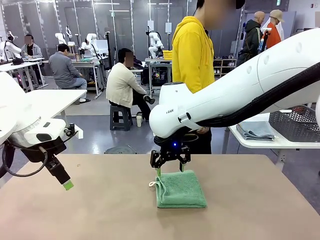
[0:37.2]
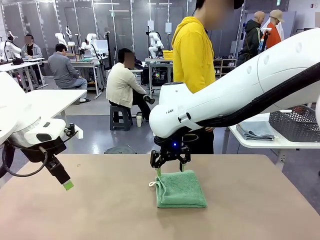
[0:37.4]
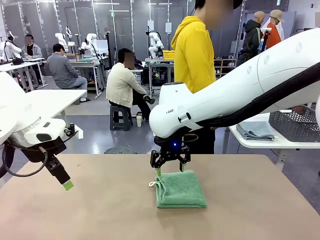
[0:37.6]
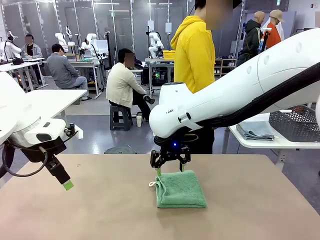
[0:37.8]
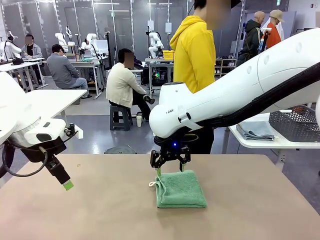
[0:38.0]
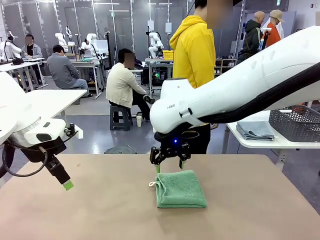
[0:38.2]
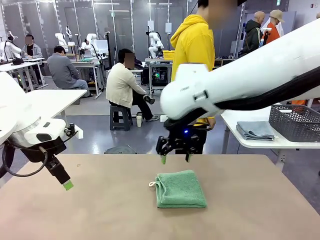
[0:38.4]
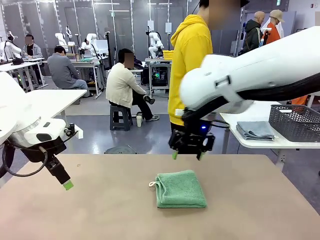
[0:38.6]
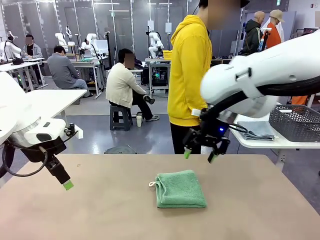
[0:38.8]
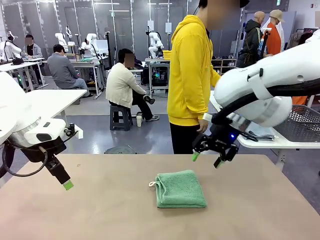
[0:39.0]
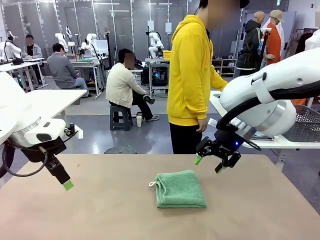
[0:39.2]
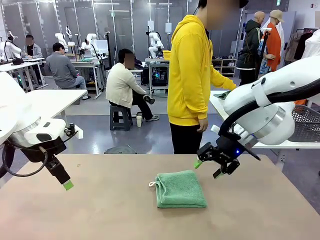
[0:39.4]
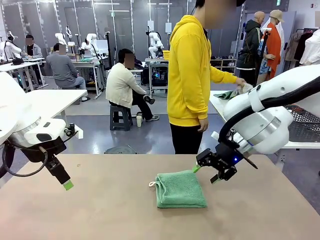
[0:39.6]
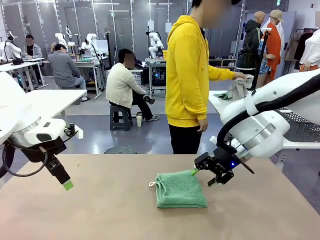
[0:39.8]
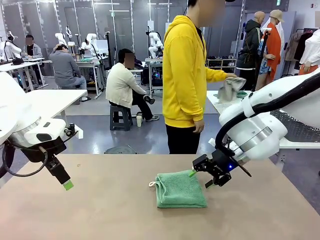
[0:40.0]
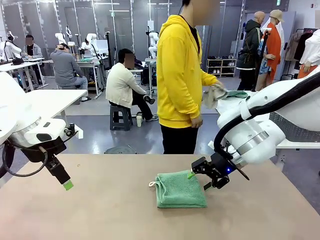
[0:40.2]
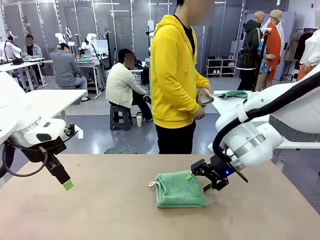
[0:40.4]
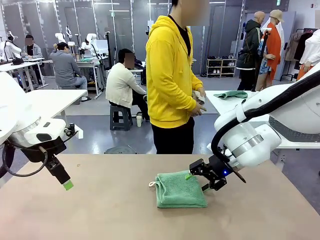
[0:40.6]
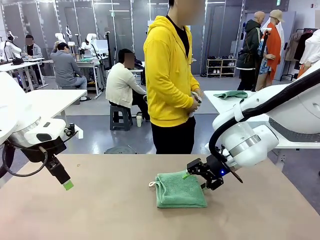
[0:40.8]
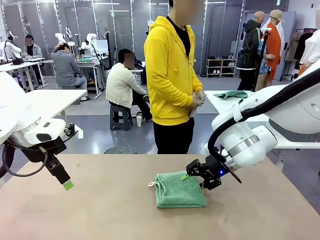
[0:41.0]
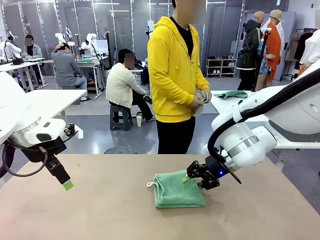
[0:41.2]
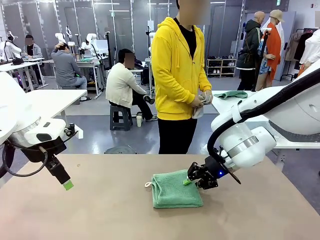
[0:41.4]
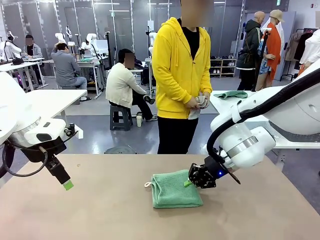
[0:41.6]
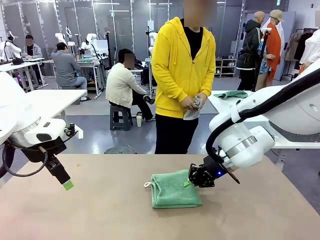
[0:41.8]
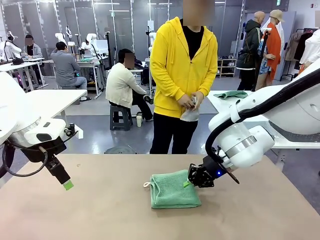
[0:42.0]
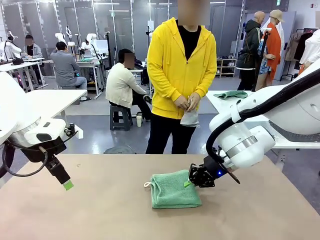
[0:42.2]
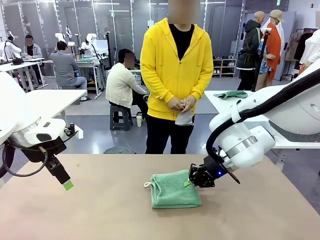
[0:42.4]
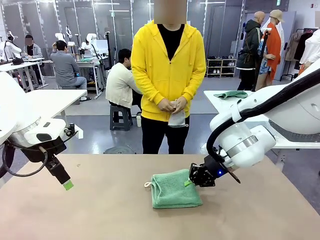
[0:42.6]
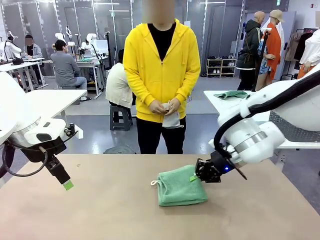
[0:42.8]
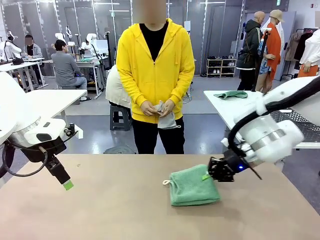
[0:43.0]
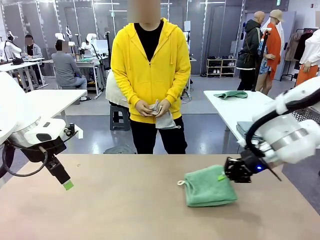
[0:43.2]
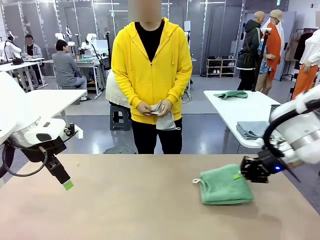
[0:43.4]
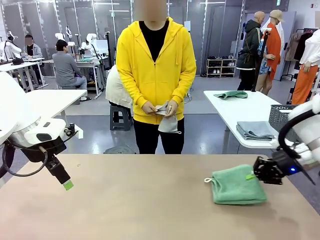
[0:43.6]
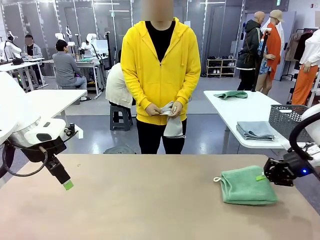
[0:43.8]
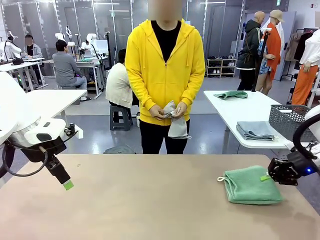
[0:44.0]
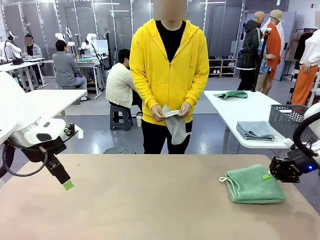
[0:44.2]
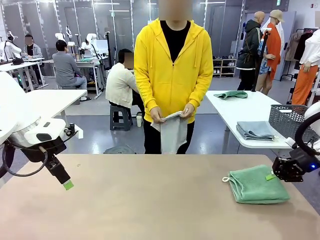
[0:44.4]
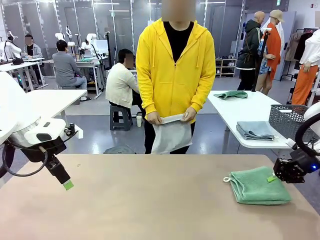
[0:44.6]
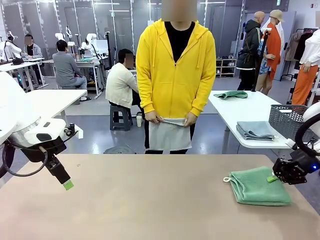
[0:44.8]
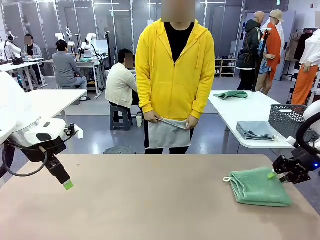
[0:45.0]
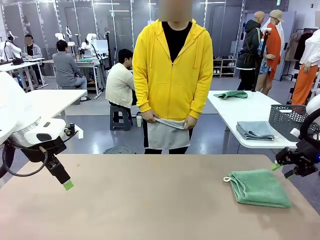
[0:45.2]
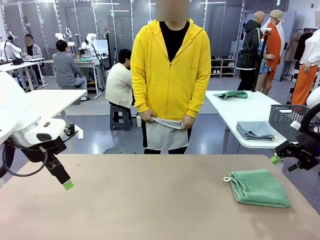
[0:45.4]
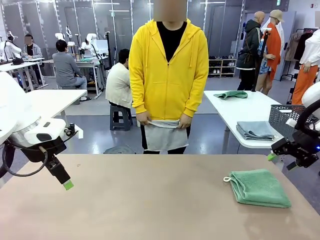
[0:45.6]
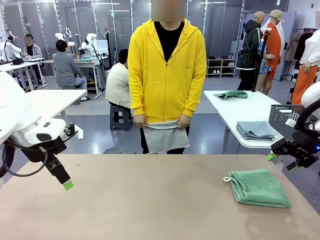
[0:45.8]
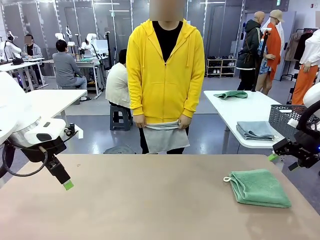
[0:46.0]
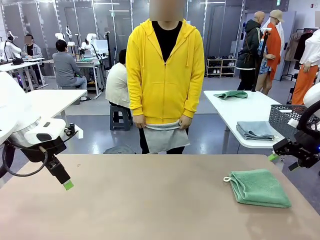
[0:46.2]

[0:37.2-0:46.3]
Task: Fold the towels and place them in the basket.
Robot: Place the folded Towel with hook on the right side of the table.
Person: Pick up one towel from the left side of the human table and spread it out at the center of the robot table.

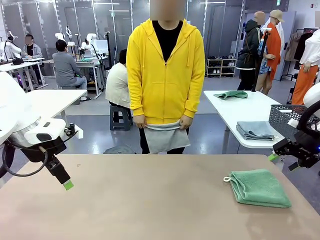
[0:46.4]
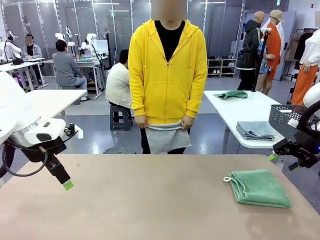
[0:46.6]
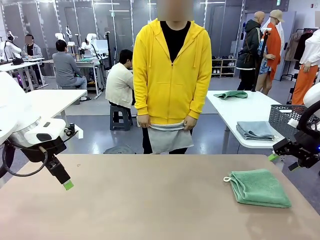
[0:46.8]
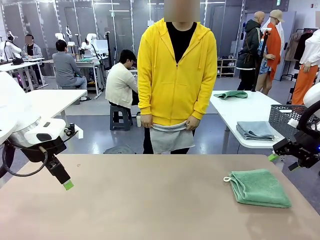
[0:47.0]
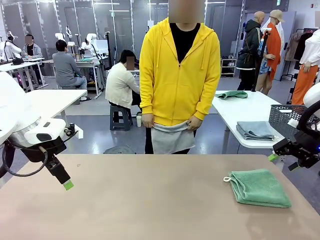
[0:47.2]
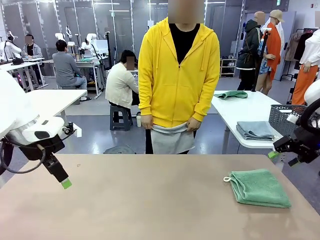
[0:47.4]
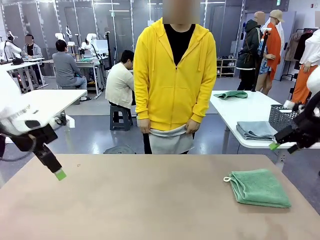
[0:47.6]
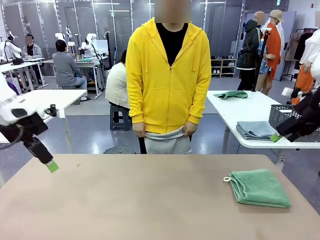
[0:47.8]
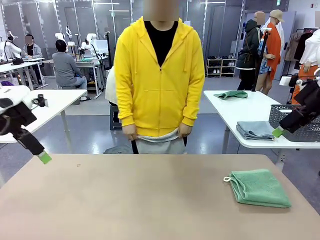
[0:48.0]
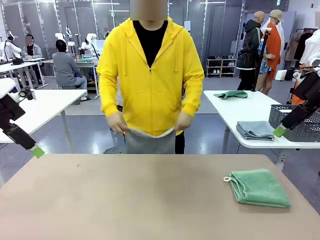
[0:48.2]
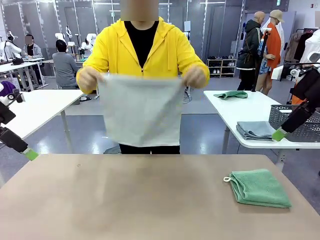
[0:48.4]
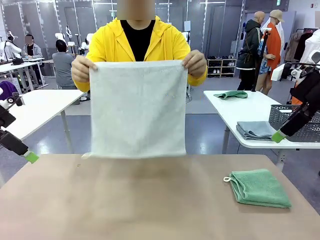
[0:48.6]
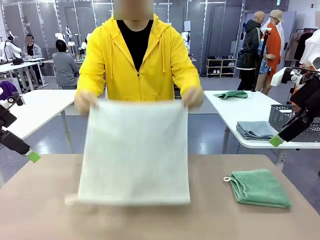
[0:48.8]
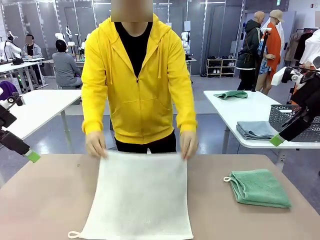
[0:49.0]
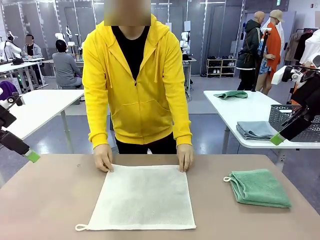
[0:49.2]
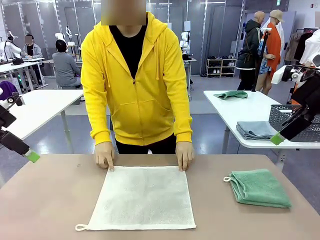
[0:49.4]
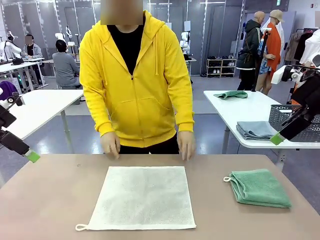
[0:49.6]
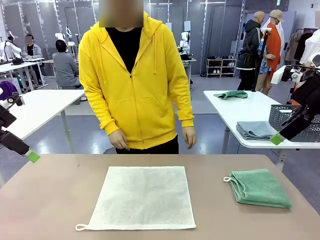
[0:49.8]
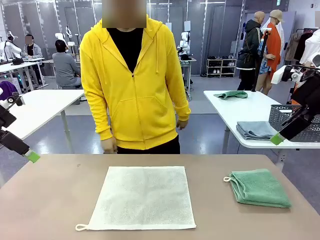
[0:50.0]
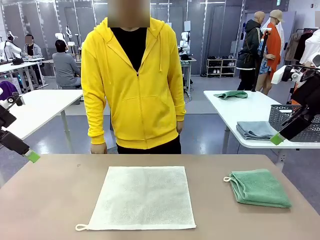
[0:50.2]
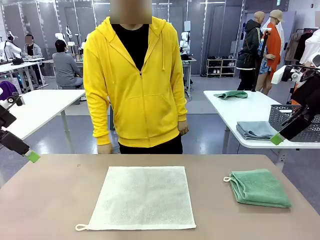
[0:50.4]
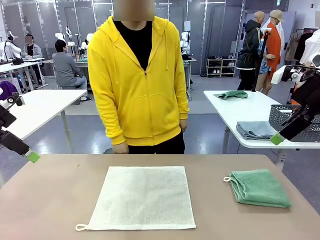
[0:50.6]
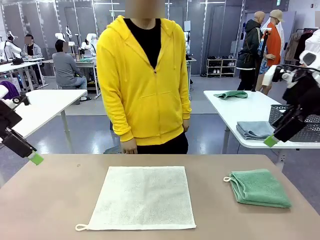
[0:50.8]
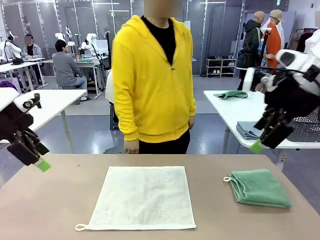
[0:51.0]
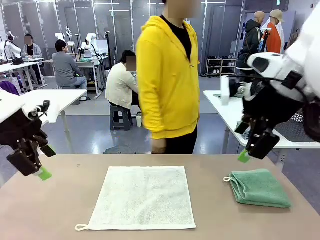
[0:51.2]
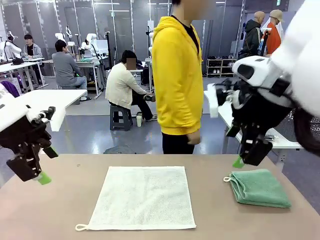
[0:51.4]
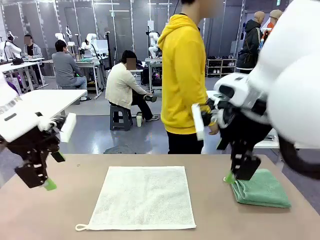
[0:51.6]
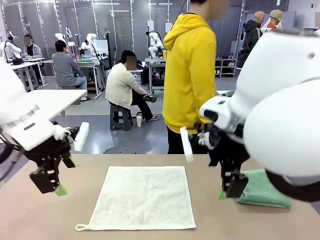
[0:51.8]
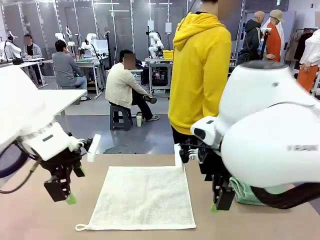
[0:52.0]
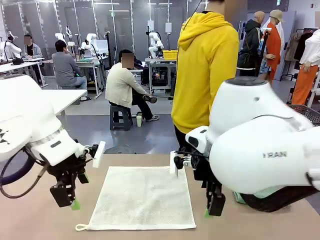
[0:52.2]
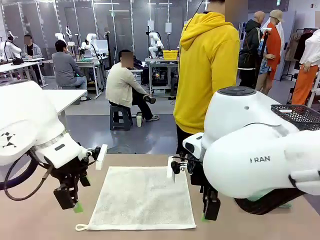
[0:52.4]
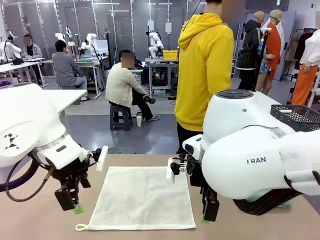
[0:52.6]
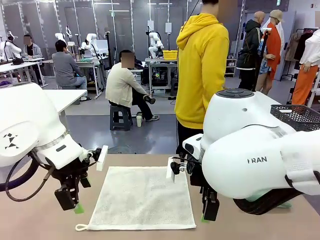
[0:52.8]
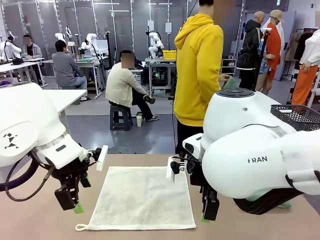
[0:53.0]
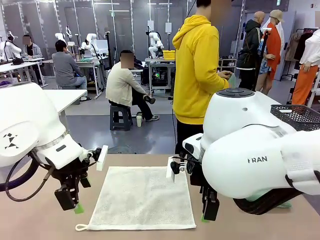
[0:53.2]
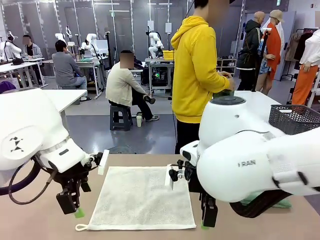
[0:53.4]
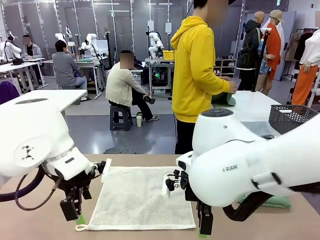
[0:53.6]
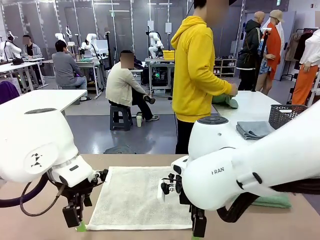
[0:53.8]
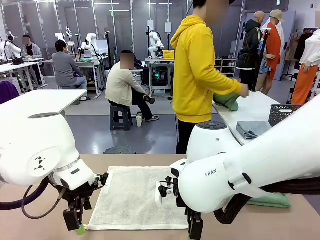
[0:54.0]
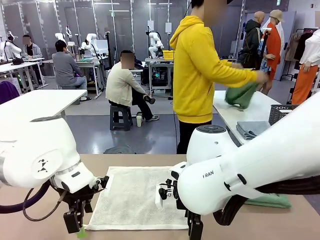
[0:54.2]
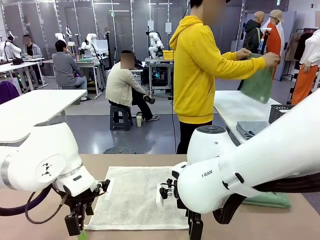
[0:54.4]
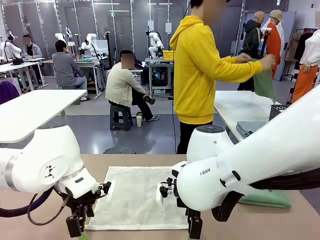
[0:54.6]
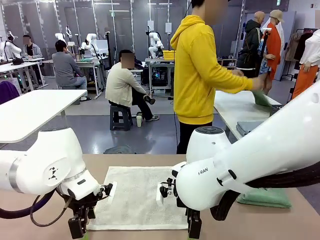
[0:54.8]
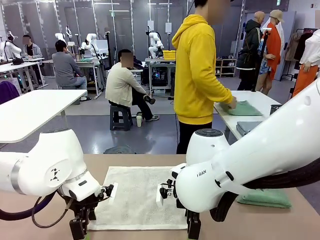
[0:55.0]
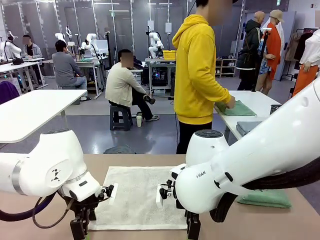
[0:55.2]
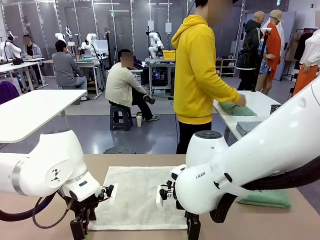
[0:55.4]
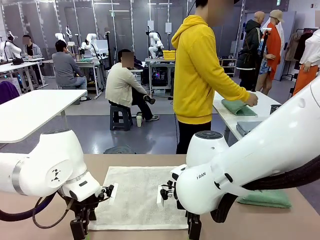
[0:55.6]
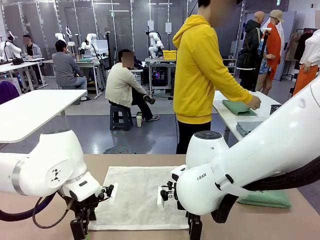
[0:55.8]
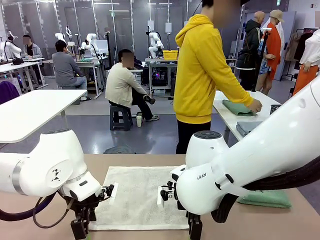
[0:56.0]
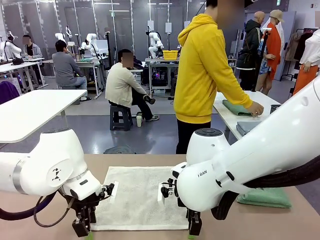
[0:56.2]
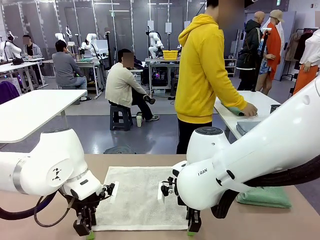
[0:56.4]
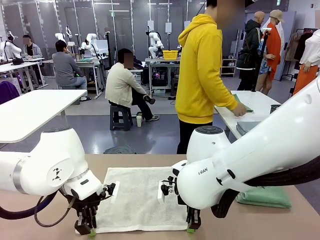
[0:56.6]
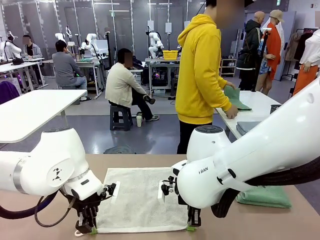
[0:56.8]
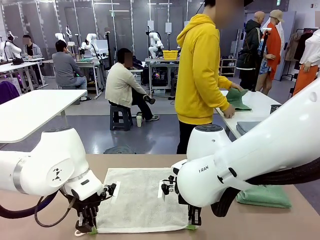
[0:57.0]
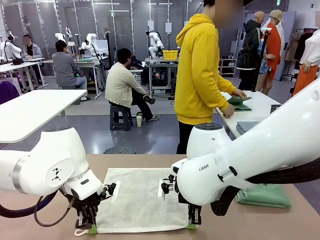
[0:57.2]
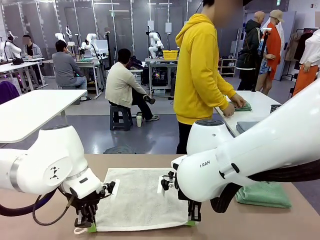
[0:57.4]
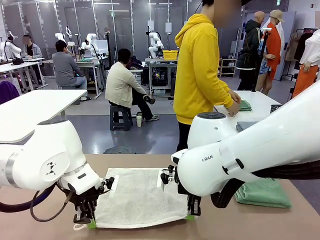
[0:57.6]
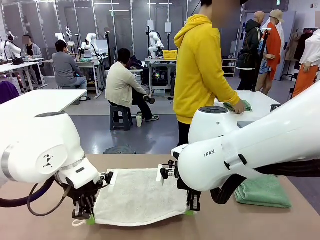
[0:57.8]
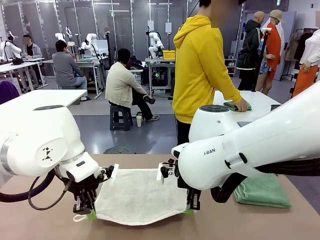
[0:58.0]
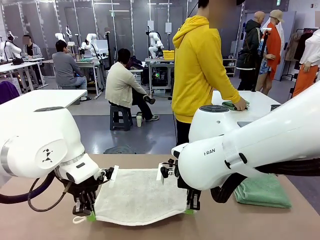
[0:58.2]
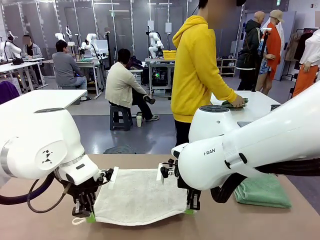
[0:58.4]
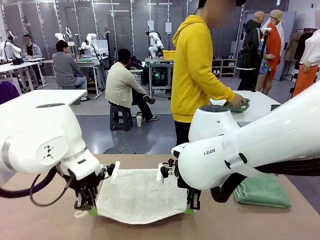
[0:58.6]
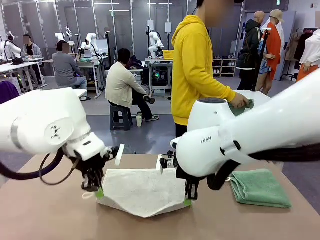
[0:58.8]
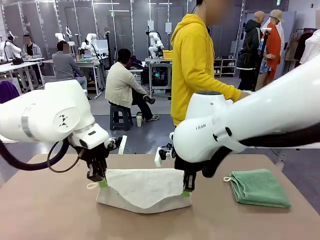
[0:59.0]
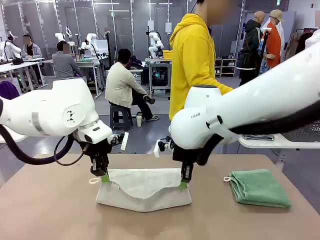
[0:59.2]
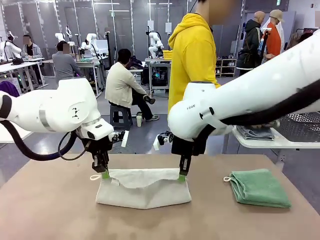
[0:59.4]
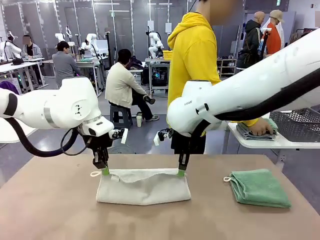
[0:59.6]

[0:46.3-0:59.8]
Robot: When a person lays out a Towel with hook on the table, fold it in half twice.
Person: Pick up one towel from the left side of the human table, fold it in half twice, and stack it on the right side of the table.
